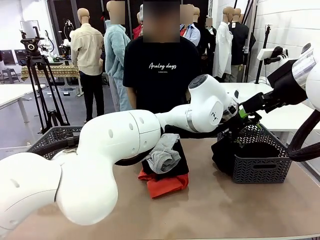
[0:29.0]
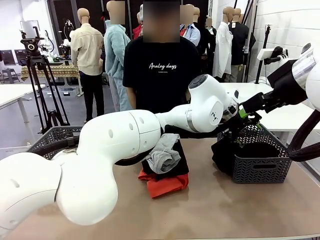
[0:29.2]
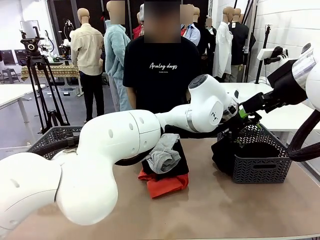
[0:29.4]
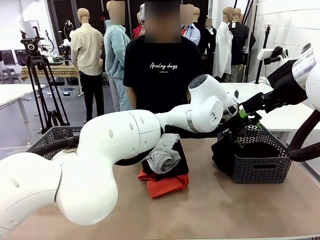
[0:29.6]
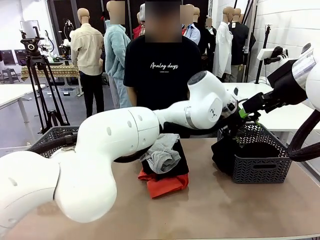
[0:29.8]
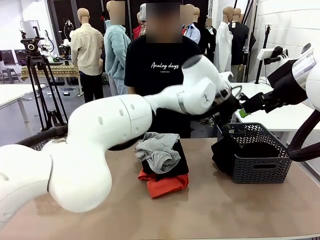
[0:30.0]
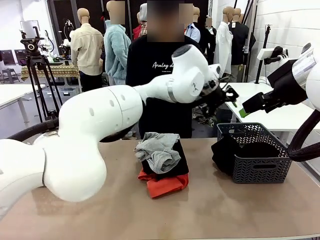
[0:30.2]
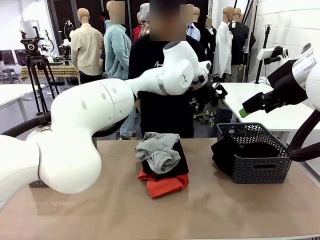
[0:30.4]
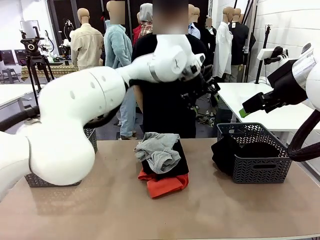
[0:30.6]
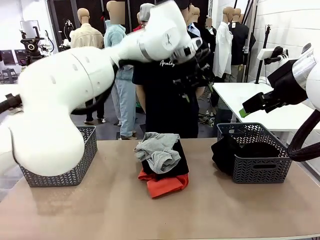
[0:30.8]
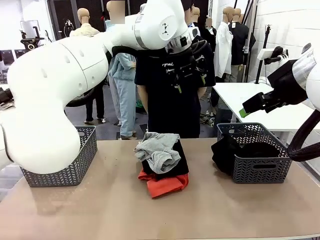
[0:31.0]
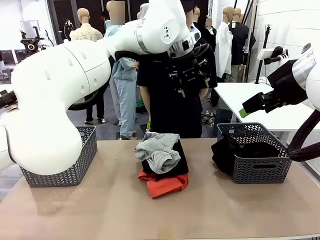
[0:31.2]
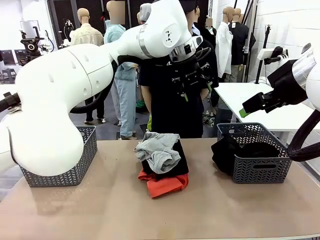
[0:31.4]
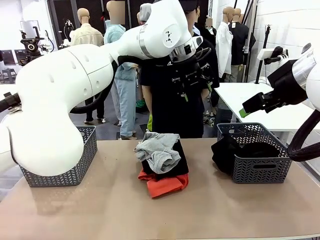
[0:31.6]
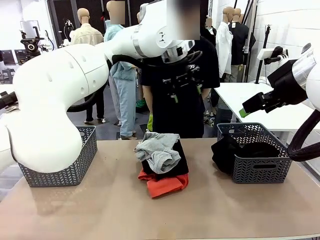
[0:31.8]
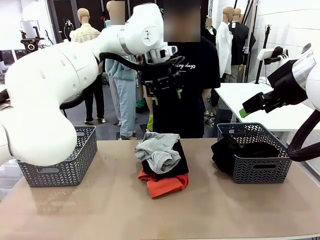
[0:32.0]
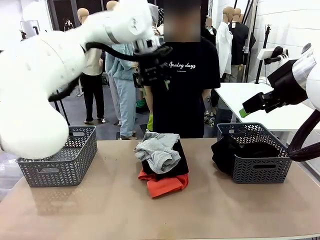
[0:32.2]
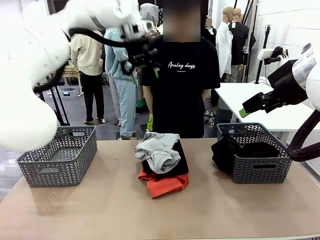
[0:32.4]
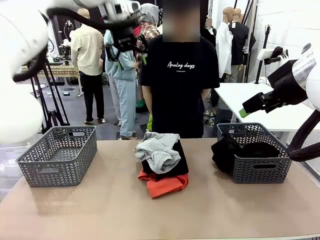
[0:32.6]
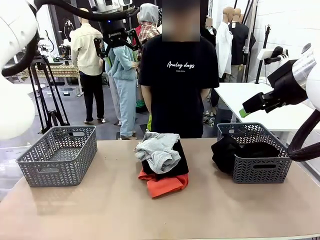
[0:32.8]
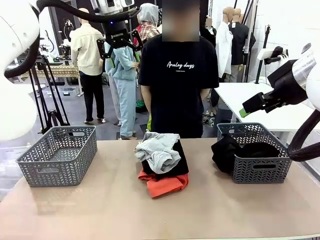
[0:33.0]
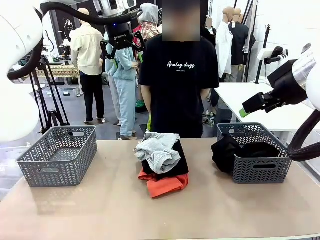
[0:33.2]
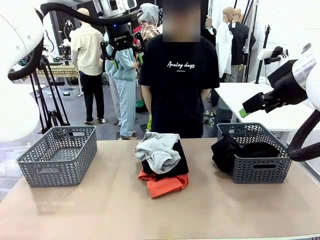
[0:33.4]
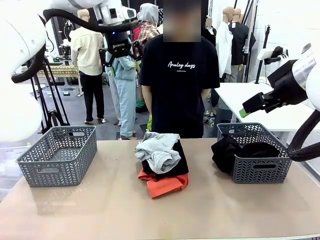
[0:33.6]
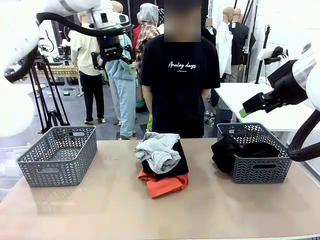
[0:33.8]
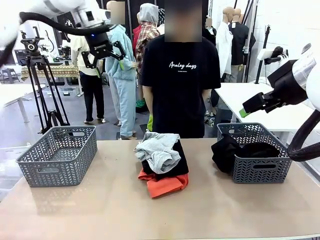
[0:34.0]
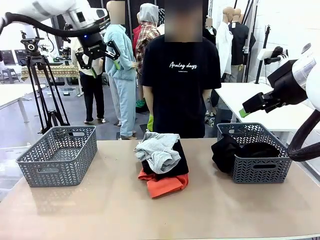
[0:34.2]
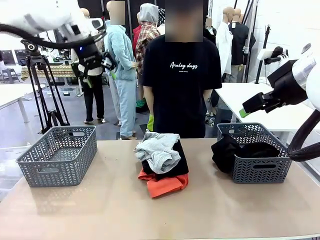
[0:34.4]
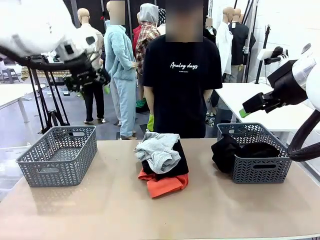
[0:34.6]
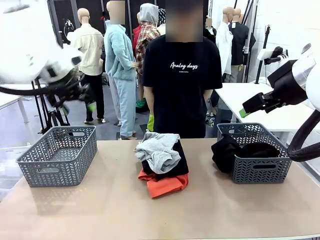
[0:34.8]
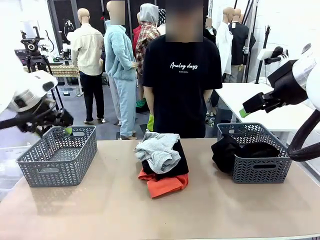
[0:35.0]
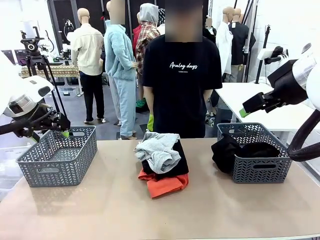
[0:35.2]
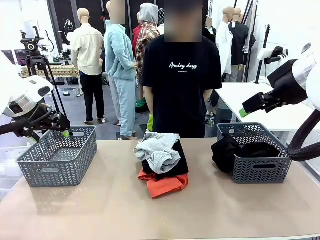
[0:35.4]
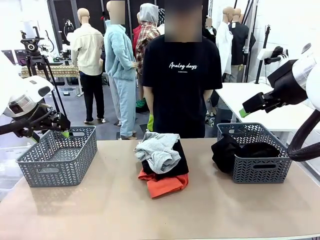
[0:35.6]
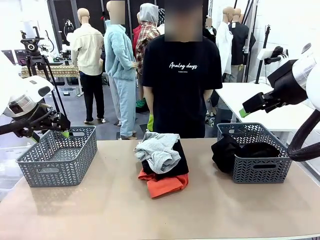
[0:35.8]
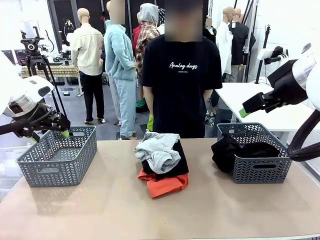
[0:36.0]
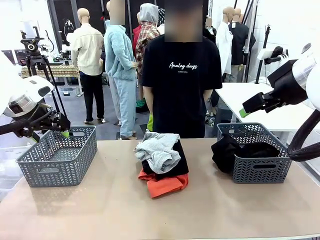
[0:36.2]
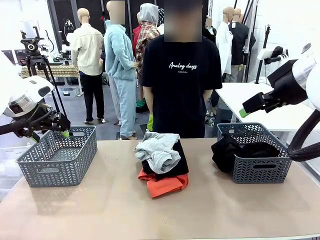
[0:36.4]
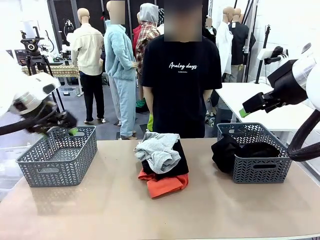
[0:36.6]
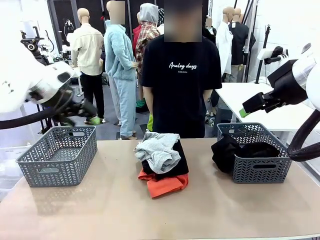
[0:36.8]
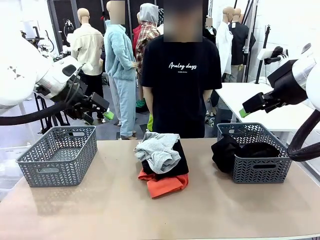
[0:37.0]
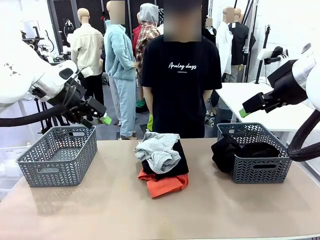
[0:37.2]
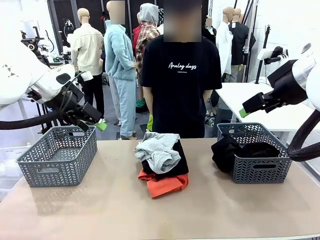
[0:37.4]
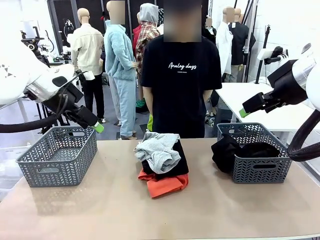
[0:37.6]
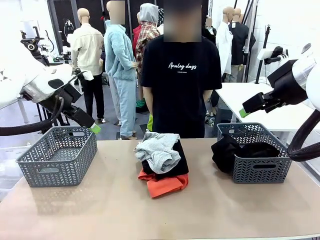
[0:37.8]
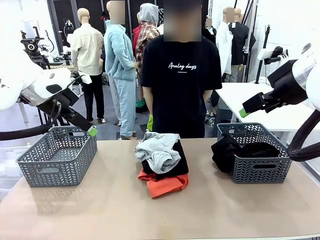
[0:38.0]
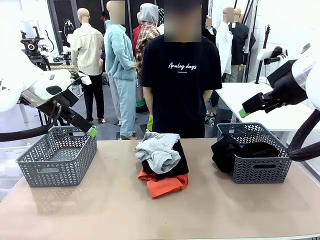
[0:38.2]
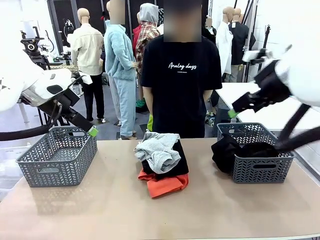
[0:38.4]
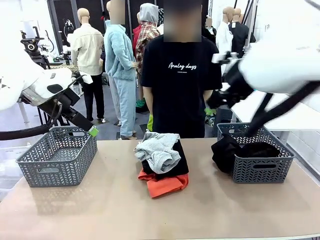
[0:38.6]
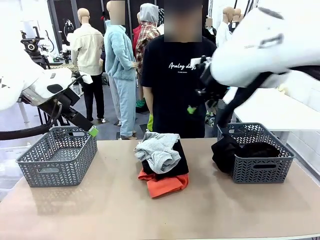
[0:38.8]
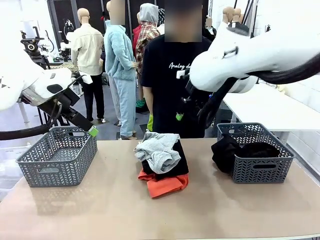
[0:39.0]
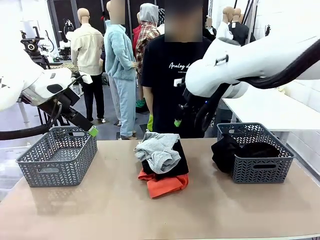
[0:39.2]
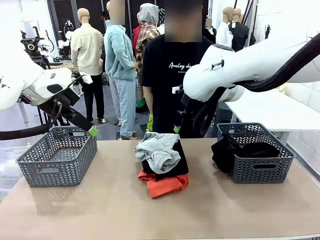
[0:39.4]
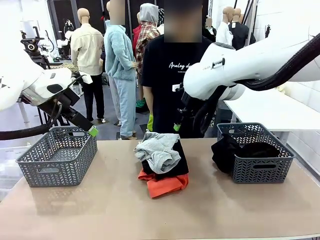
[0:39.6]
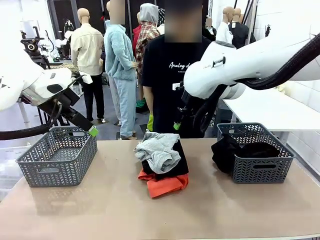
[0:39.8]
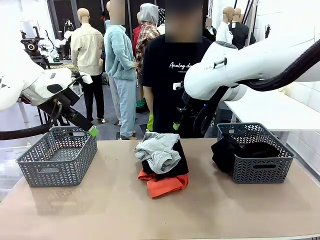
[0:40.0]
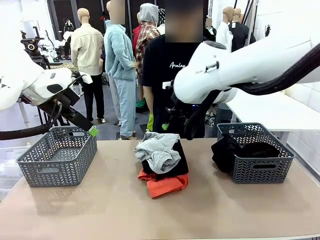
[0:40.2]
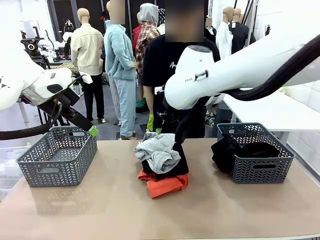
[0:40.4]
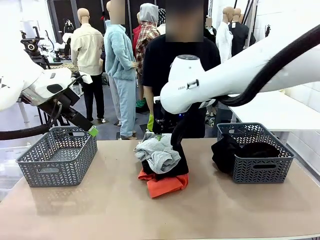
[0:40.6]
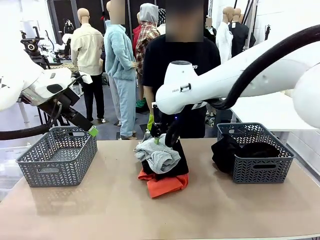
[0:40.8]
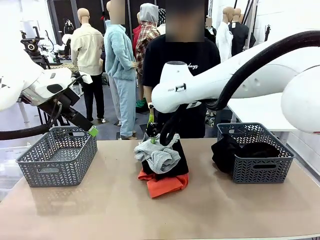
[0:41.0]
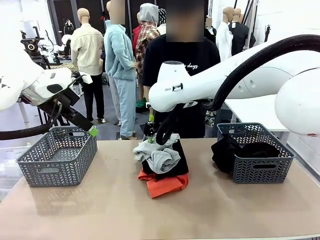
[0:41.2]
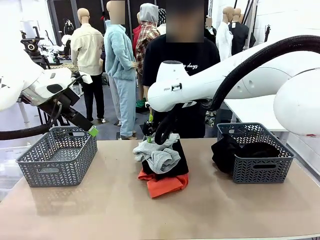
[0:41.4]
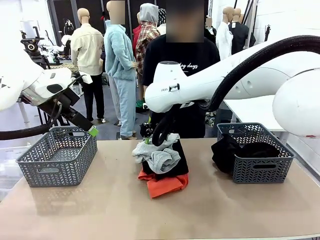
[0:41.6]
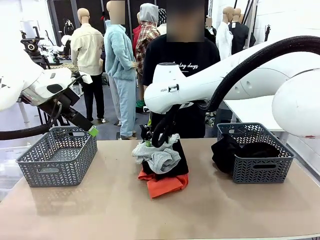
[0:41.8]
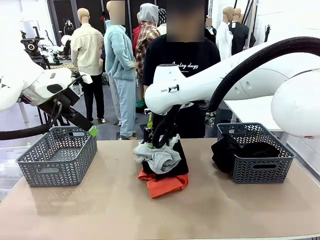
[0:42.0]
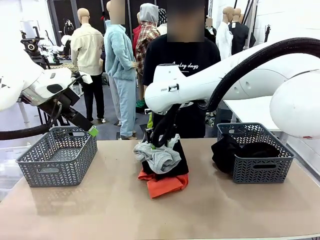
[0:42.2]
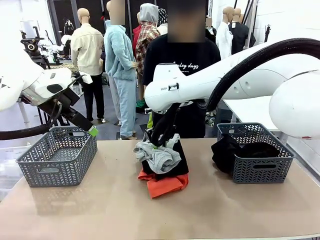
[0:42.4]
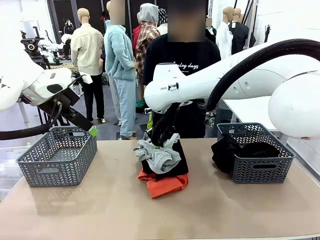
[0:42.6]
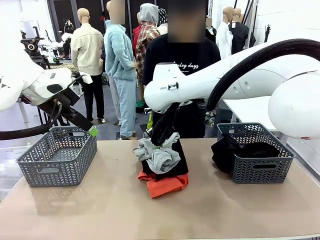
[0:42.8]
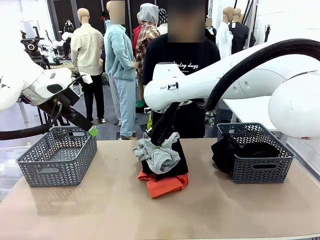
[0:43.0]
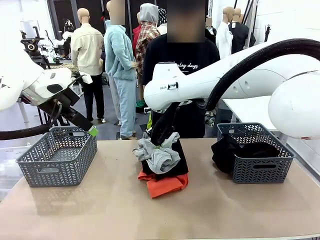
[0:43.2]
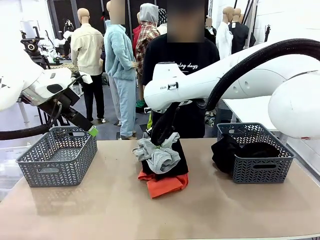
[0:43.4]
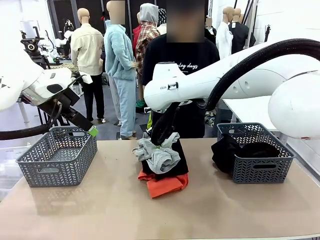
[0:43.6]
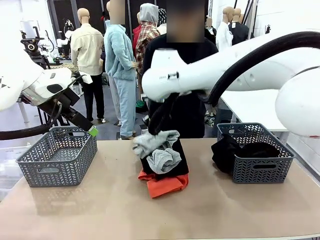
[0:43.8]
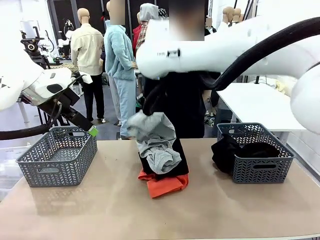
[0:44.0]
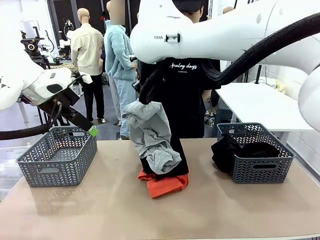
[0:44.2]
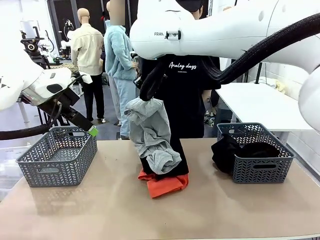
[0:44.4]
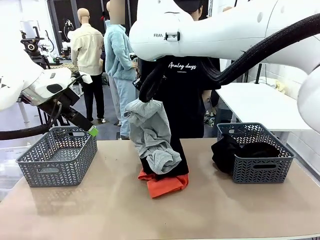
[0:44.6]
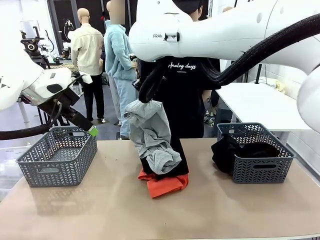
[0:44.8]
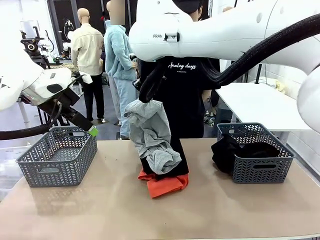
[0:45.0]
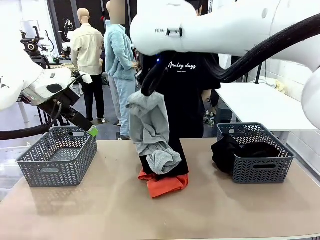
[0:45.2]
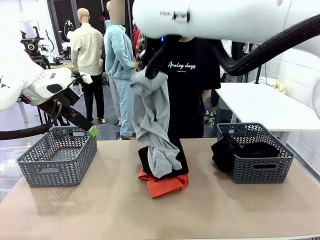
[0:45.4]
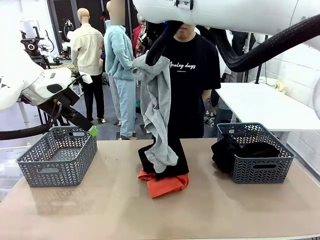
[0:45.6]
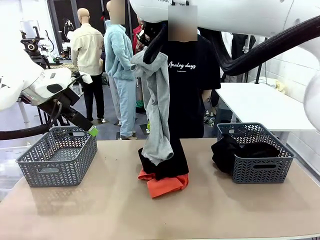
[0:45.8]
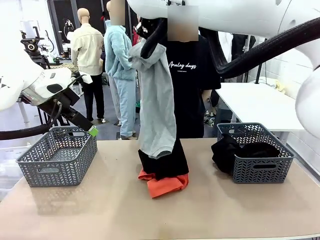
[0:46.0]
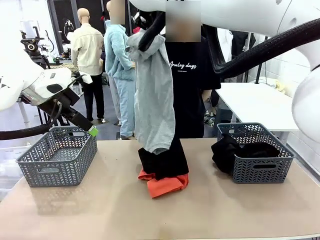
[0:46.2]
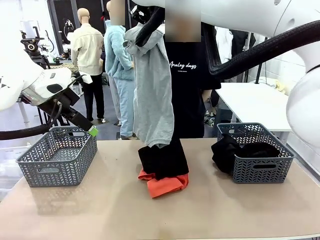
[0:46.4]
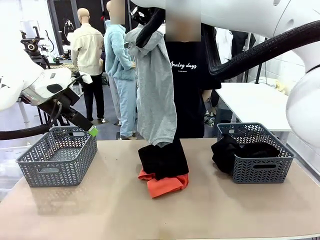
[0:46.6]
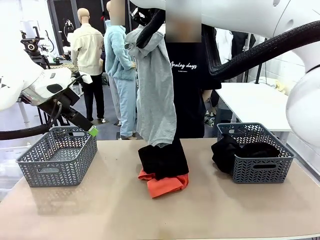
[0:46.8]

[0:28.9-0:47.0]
Task: Sort the tops and bottoms.
Robot: Lift clothes from the center of the table with your right hand.

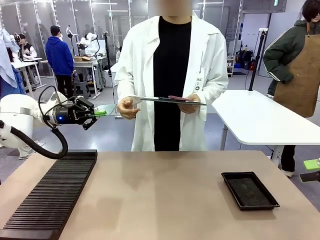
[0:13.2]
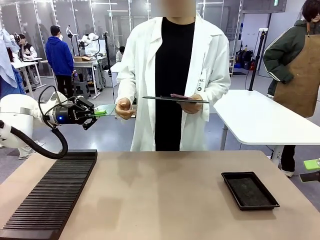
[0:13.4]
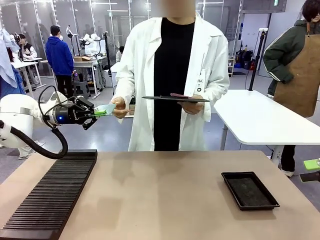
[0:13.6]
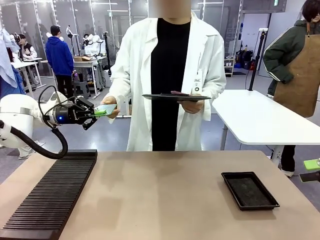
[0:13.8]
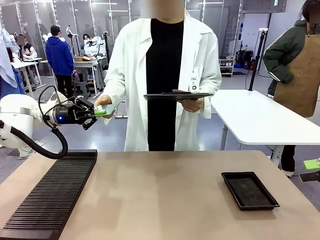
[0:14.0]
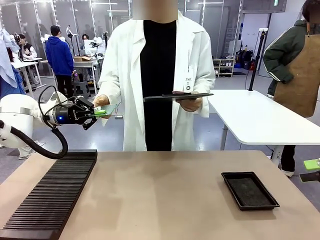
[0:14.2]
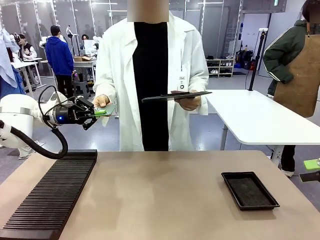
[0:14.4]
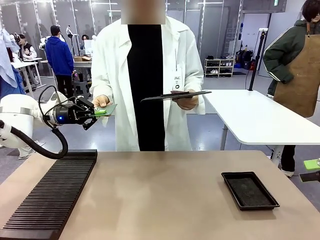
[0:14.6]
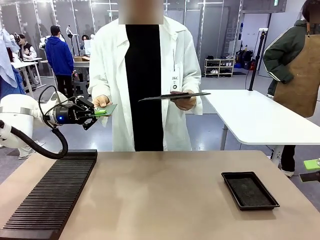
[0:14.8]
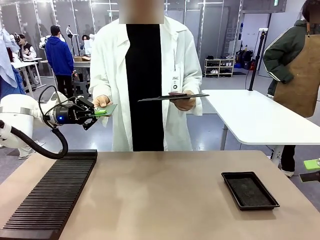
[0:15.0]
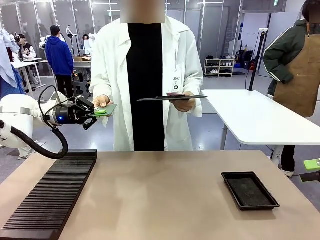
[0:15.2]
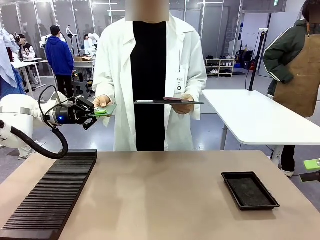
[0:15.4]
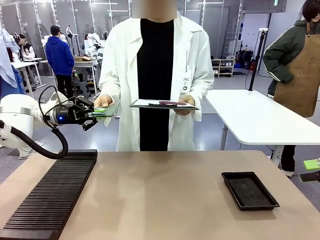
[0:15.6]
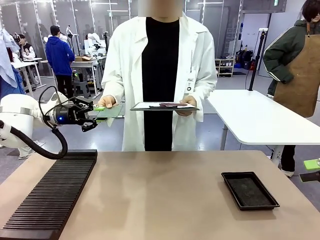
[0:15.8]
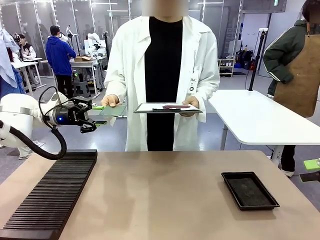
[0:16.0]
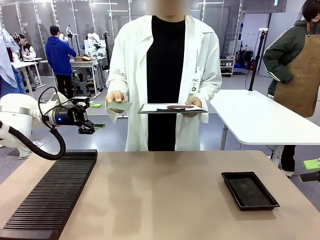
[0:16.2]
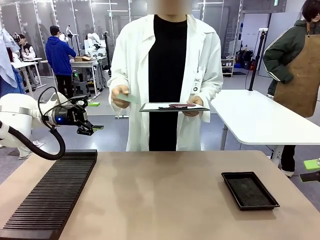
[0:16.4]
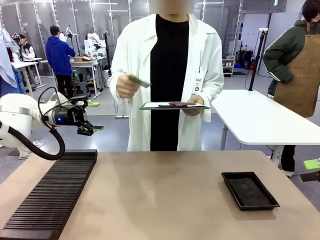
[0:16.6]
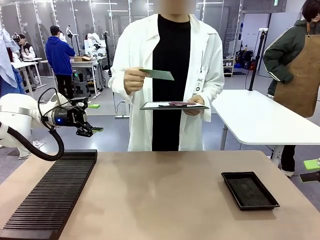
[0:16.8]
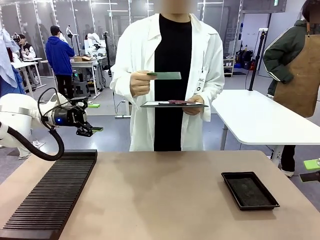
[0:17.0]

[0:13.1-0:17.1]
Task: Inspect the PCB.
Robot: Release the Blank PCB you were holding.
